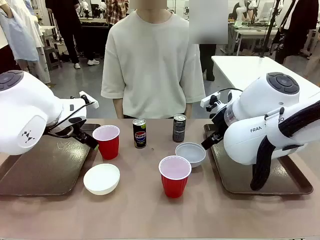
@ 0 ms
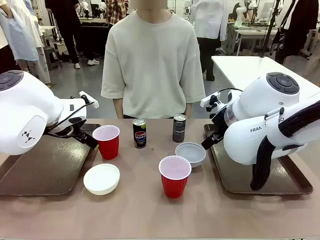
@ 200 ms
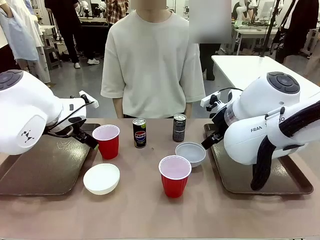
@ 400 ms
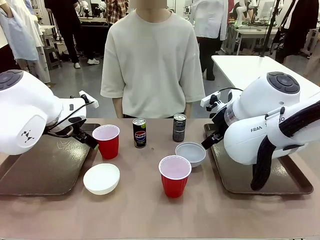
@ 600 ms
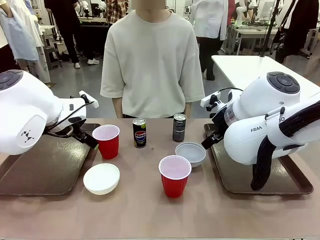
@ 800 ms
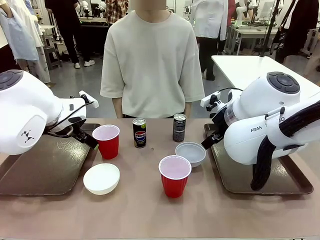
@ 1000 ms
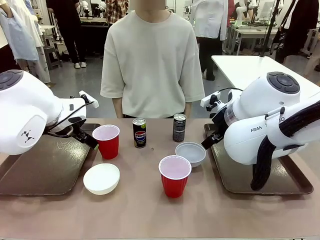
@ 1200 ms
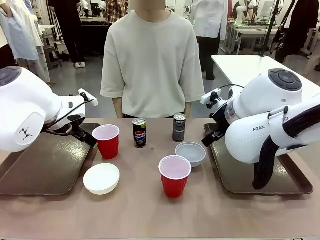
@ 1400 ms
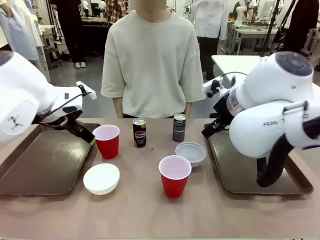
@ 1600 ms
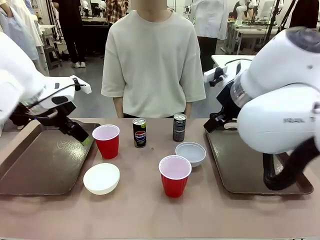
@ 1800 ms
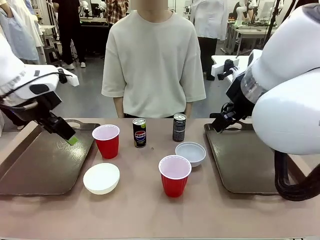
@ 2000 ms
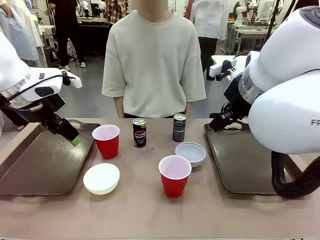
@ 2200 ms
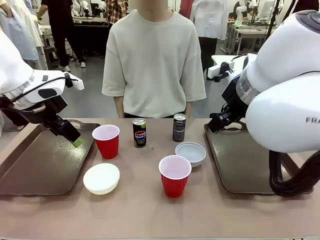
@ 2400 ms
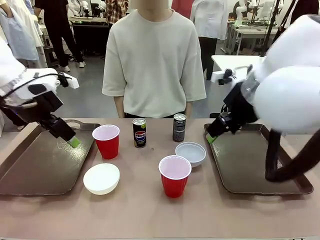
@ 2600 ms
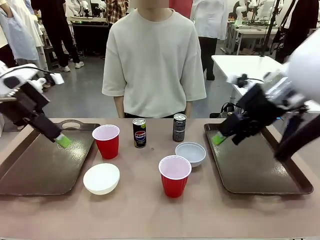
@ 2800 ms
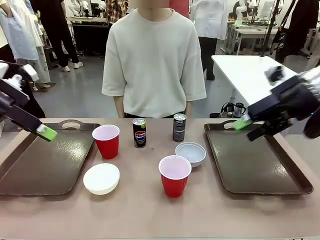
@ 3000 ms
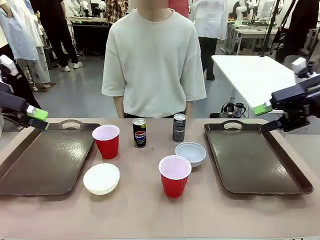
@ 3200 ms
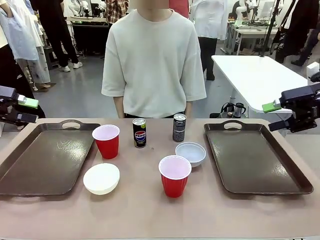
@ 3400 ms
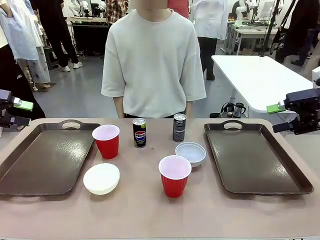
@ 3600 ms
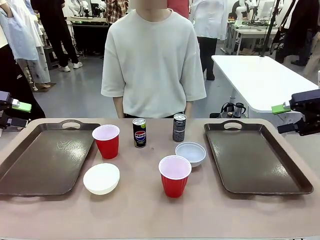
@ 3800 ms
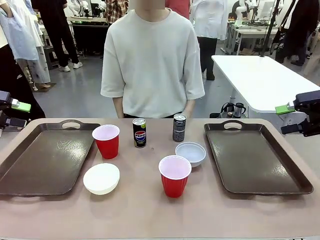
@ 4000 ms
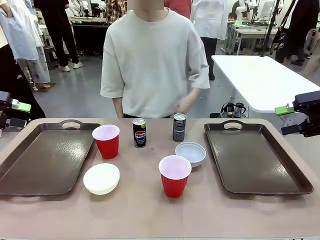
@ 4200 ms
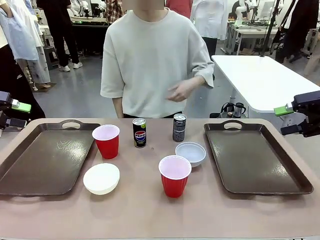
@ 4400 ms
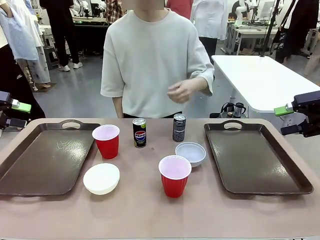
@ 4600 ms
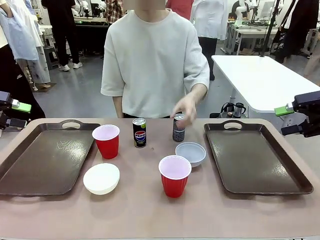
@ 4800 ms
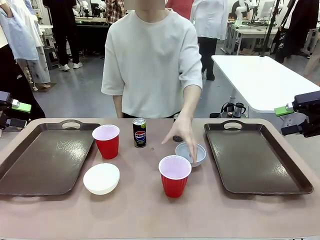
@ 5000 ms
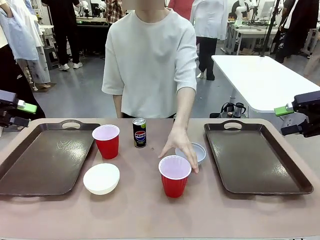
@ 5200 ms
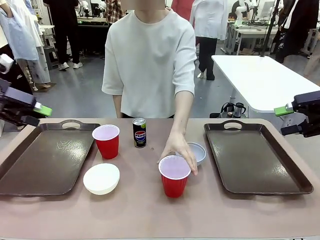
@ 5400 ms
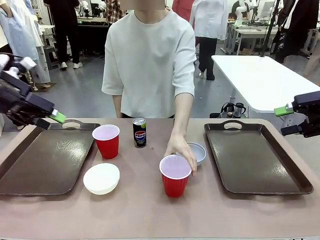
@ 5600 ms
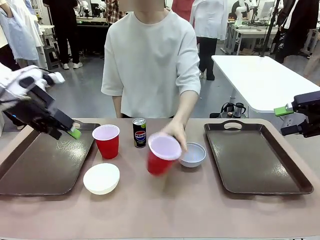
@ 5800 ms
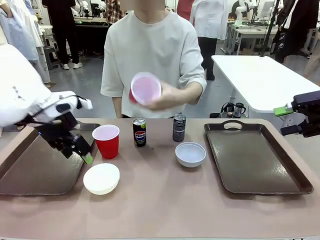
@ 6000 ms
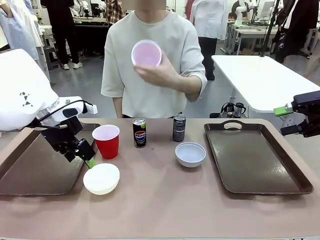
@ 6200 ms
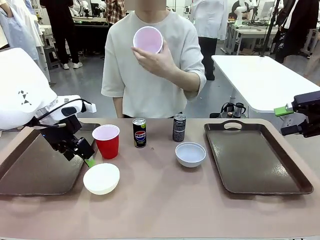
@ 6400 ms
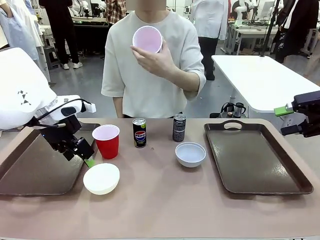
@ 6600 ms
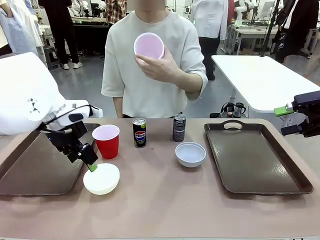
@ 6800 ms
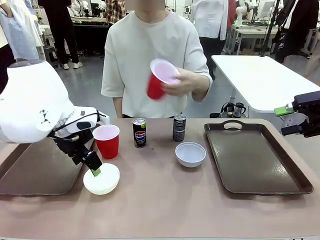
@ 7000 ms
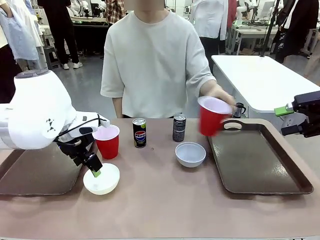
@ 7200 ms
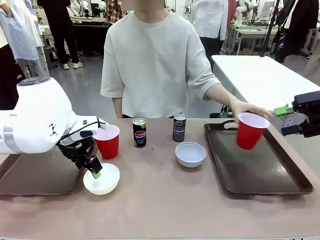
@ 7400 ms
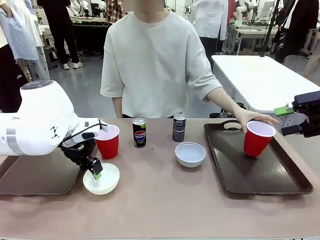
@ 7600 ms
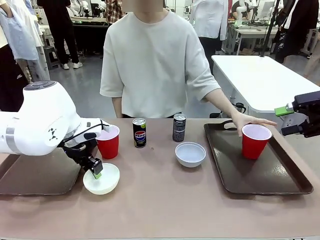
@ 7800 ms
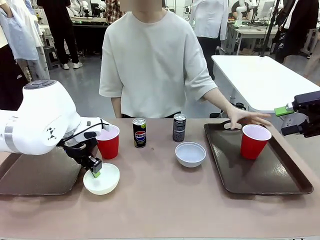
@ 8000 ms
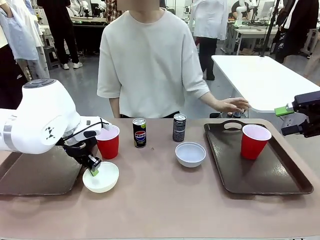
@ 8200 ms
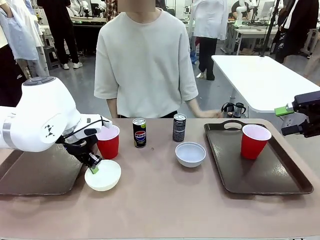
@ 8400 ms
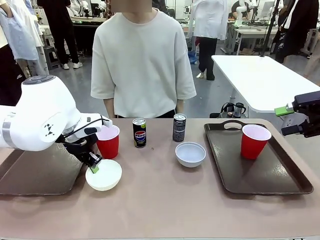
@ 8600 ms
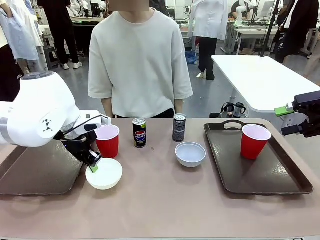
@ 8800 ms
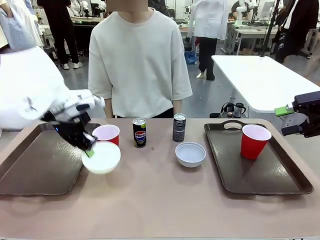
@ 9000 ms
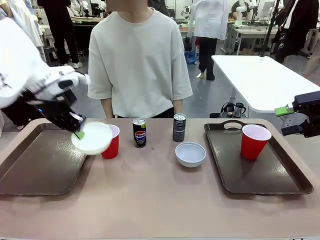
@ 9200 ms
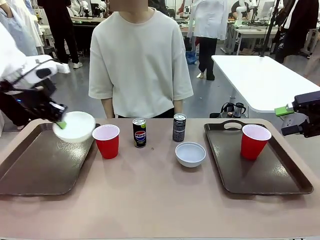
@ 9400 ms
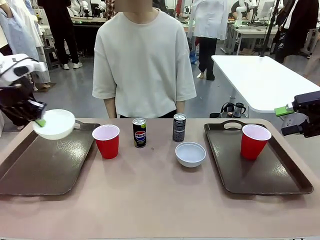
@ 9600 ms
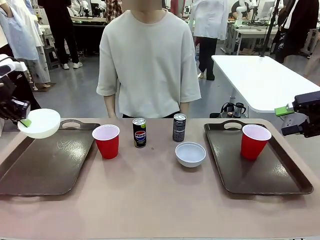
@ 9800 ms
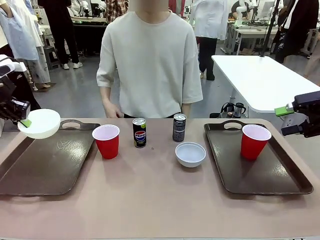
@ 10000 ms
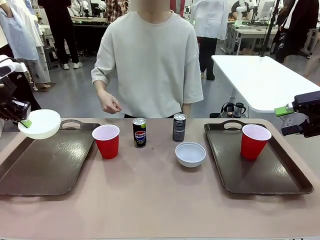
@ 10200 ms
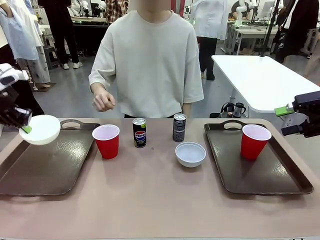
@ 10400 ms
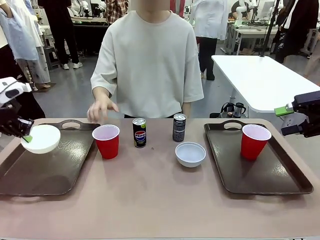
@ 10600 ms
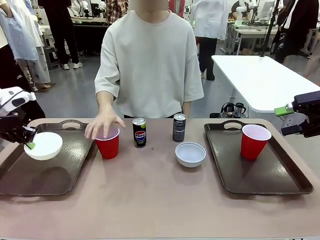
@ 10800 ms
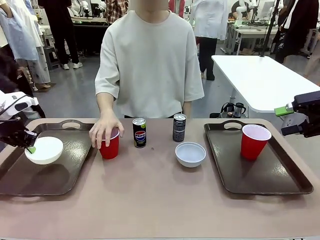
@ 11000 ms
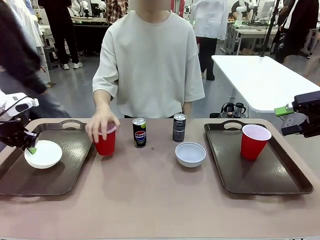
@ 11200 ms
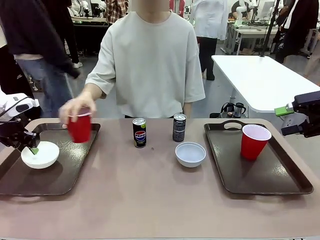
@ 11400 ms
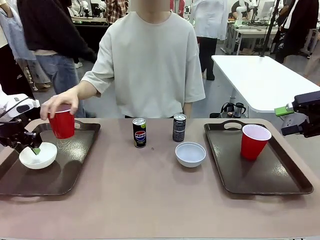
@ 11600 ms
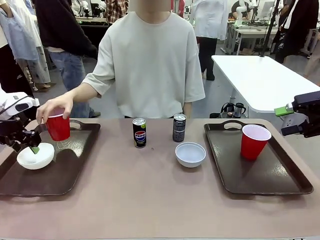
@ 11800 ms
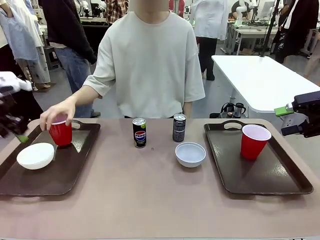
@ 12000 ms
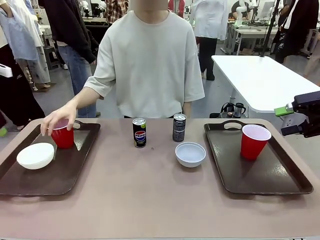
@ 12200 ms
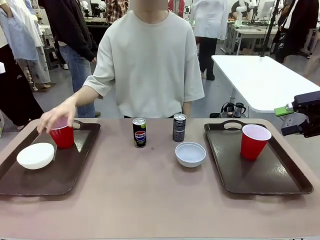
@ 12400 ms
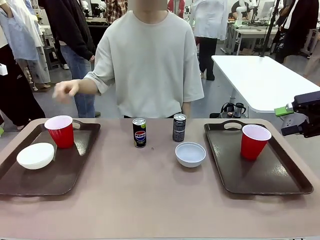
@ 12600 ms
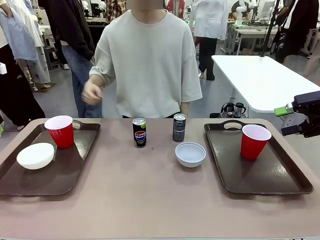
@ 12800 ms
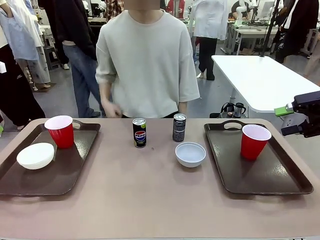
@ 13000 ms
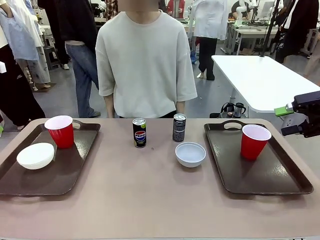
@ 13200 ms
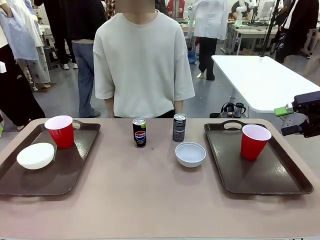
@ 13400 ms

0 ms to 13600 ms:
Task: Prepare tableware on both trays.
Robot: Pick up a Picnic Bowl from the table and place it on a Handle tray.
Person: Pick up a can or cup and place it on the tray.

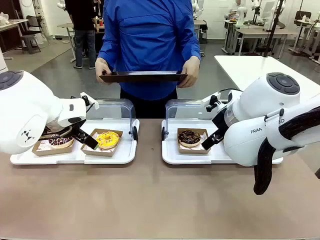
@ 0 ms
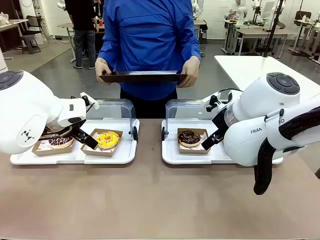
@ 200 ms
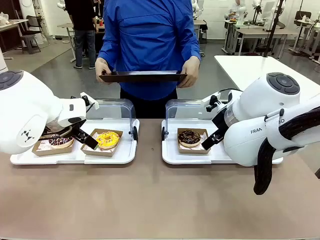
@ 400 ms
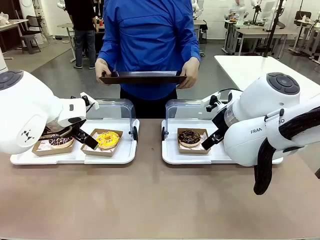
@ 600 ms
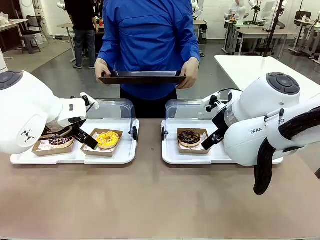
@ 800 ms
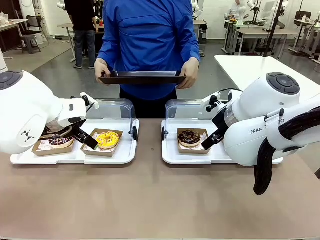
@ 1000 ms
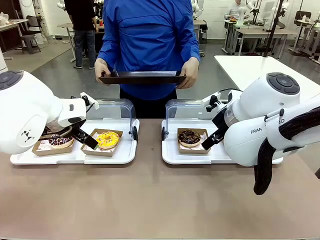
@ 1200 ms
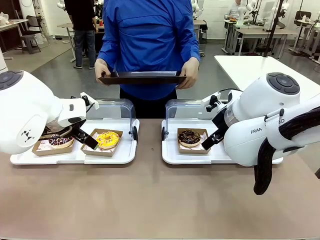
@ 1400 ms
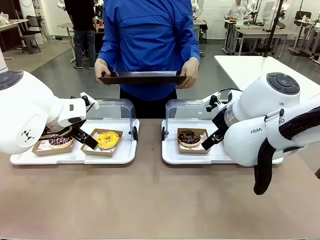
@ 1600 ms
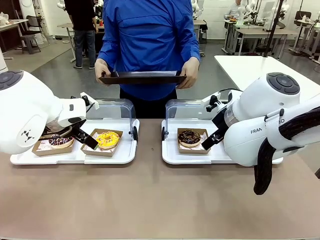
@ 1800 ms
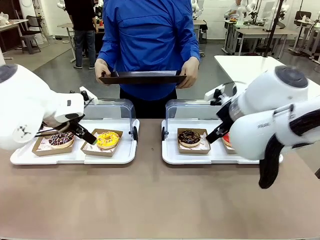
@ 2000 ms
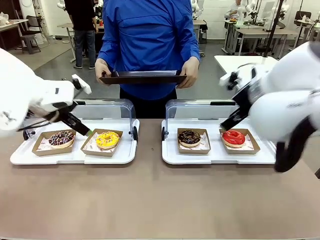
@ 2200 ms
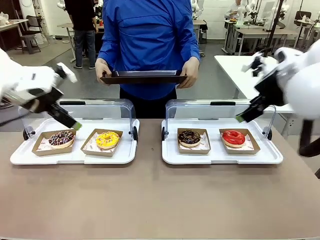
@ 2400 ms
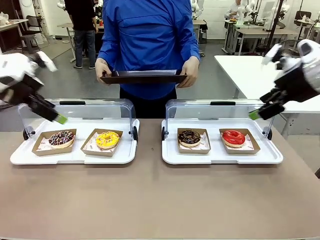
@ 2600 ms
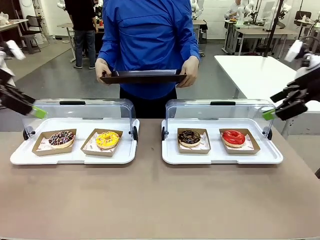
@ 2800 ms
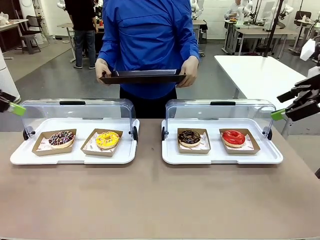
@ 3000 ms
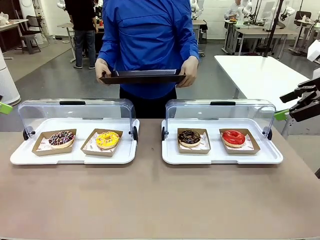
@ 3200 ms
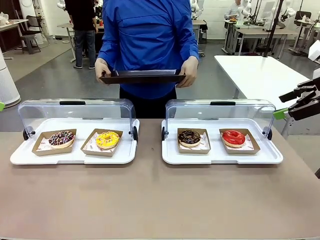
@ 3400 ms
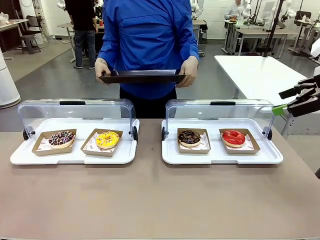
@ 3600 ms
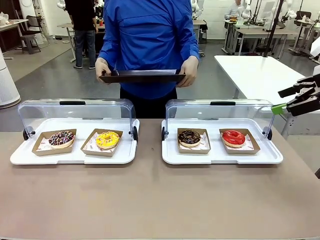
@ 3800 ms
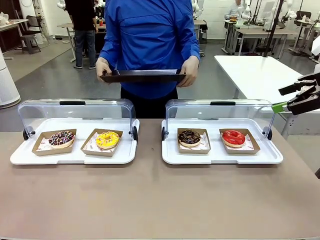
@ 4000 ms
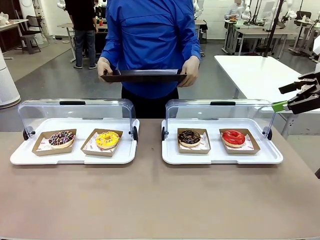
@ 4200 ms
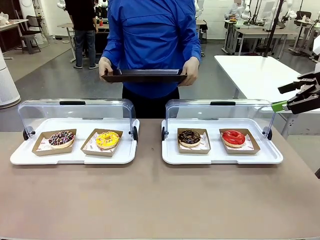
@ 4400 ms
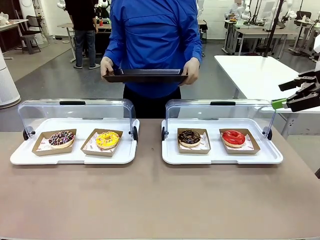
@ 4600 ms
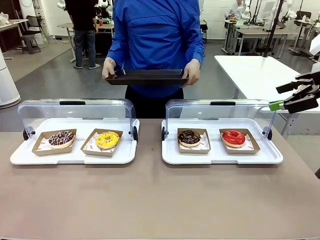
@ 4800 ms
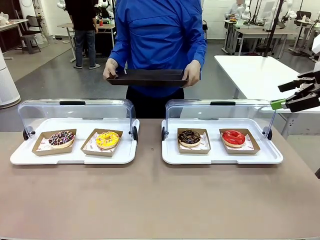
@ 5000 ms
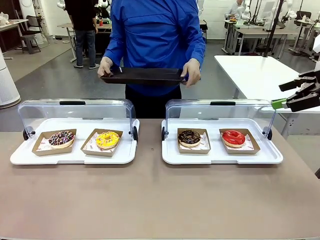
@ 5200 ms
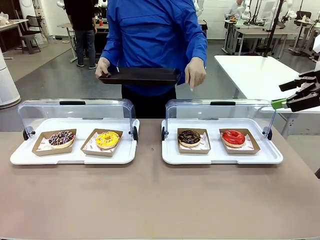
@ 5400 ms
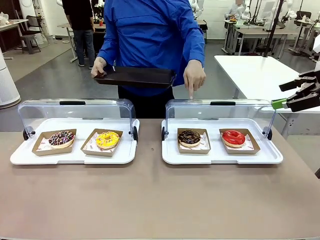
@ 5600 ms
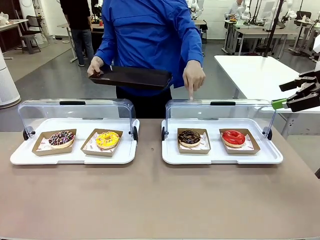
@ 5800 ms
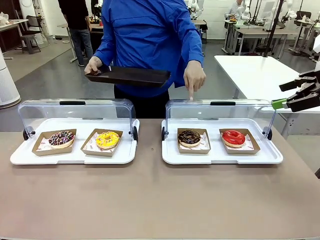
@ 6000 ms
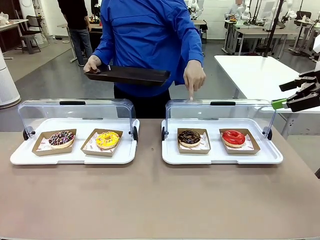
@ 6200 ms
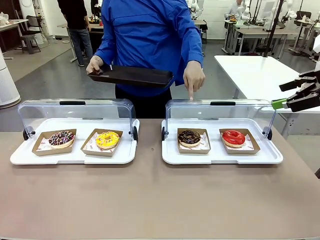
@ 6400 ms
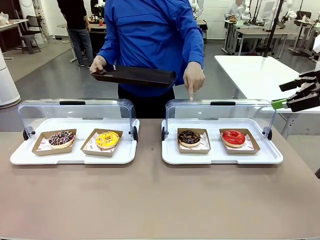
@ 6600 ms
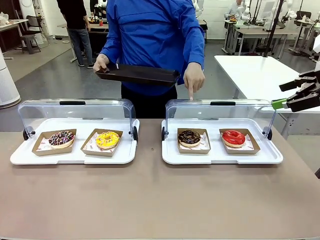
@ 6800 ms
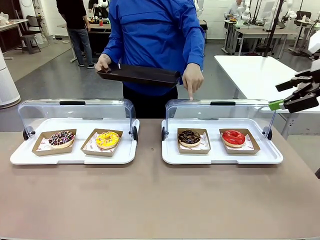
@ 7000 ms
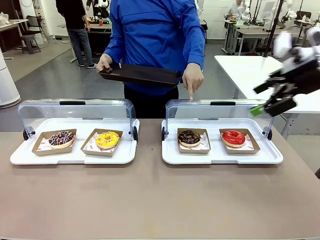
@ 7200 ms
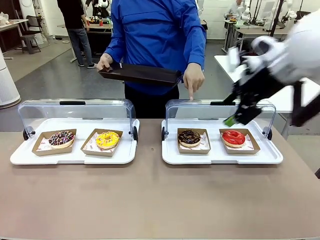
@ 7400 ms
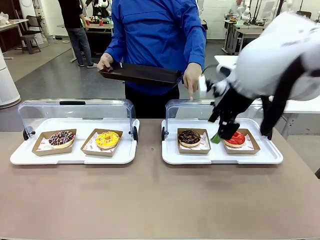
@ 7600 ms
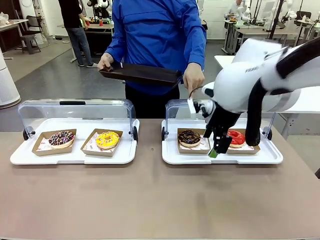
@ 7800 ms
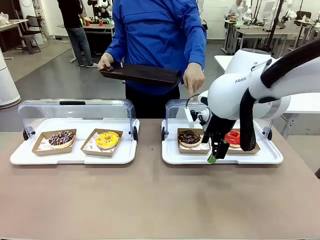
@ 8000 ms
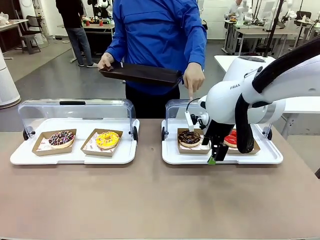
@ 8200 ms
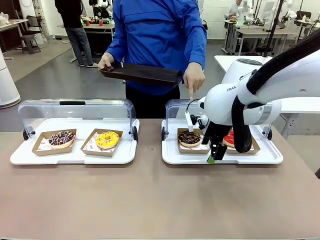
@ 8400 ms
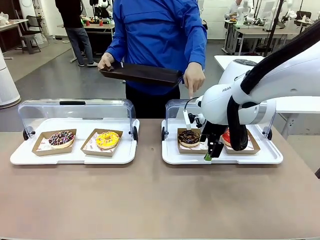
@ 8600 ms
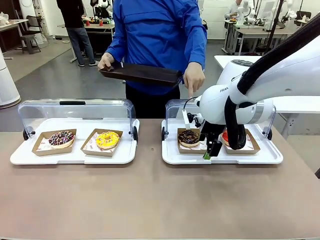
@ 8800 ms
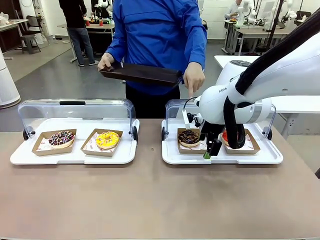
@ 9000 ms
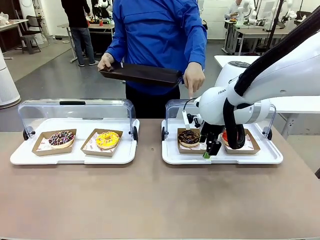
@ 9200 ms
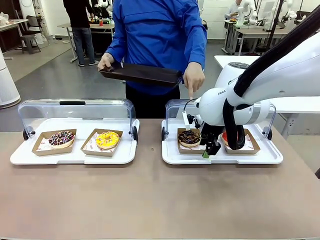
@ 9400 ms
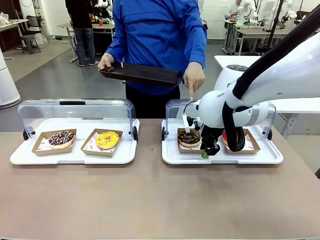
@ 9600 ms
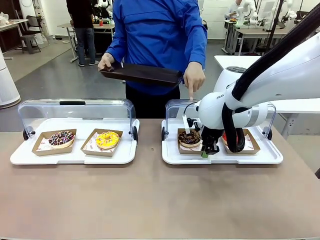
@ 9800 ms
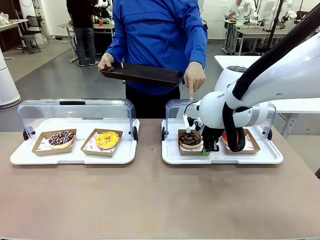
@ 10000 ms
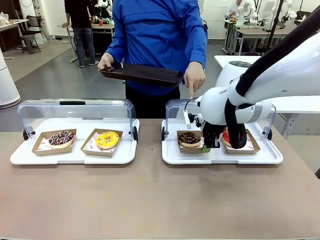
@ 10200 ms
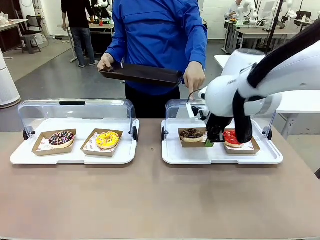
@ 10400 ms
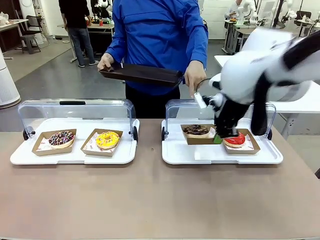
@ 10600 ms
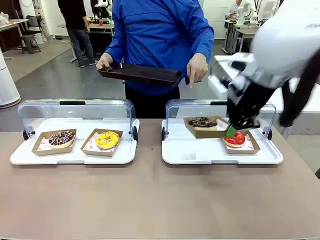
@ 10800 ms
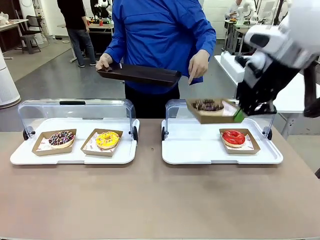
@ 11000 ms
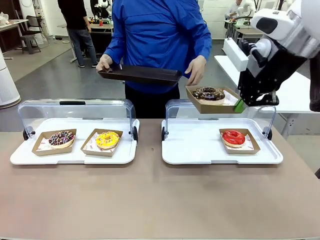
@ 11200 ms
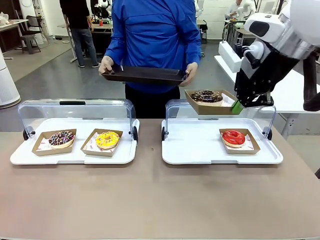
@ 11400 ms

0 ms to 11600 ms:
Task: Provide the desired donut to the person.
Robot: Pick up and lift the Paper togo box containing the Donut pointed at by the person.
Person: Point to one donut. Lift the tray onto the Roll-Top Bakery Case.
